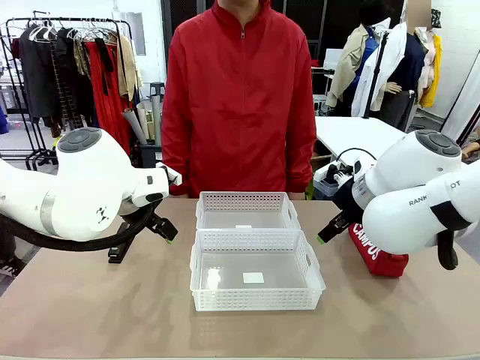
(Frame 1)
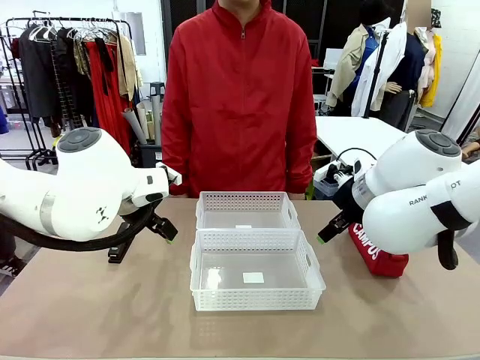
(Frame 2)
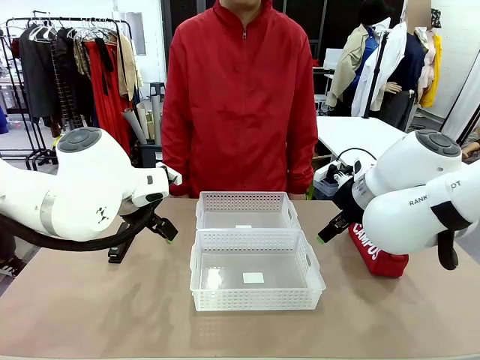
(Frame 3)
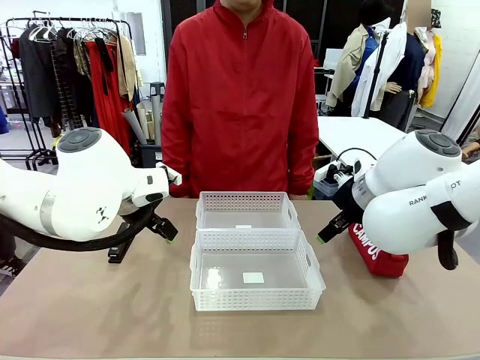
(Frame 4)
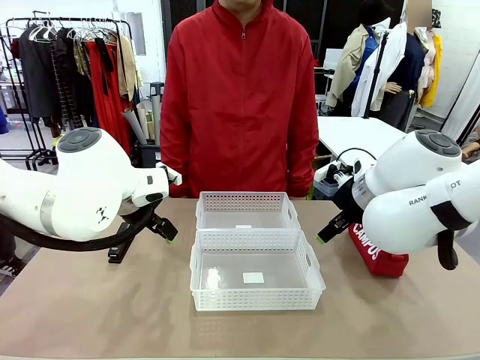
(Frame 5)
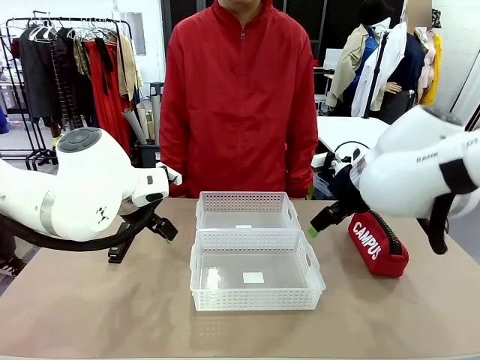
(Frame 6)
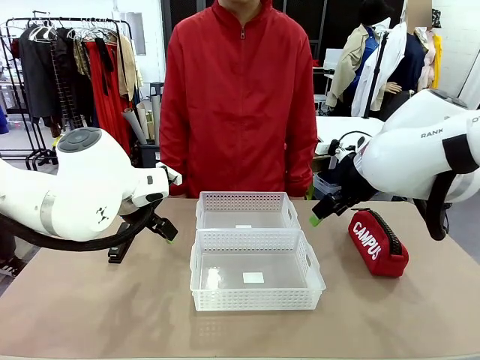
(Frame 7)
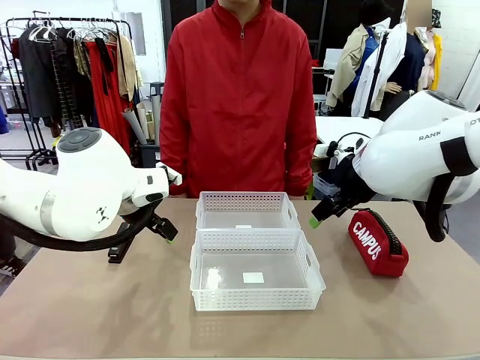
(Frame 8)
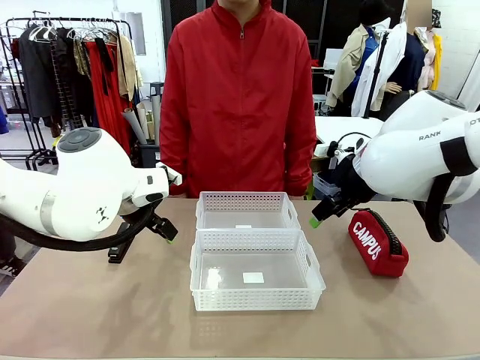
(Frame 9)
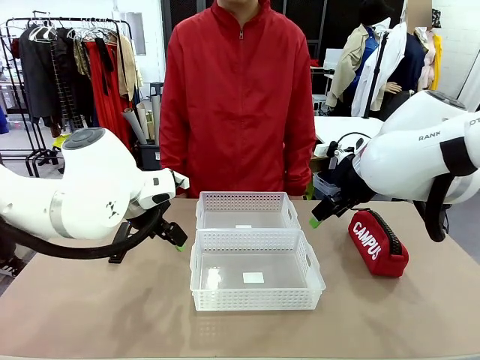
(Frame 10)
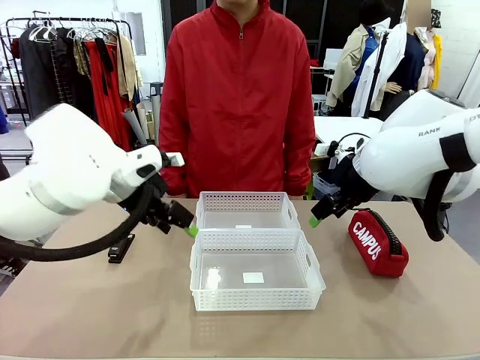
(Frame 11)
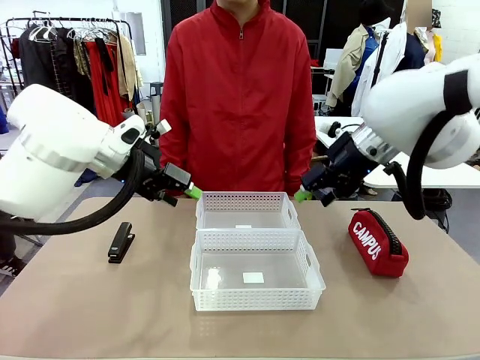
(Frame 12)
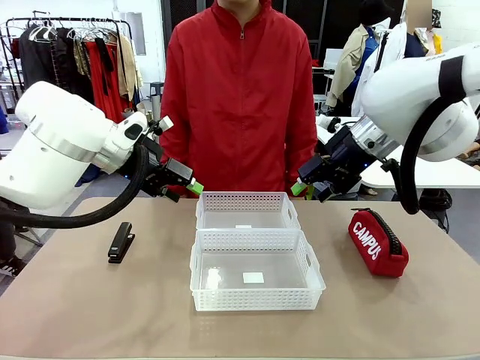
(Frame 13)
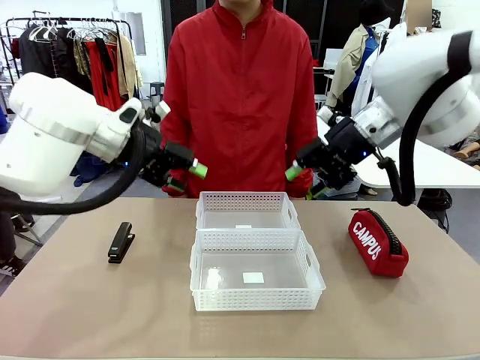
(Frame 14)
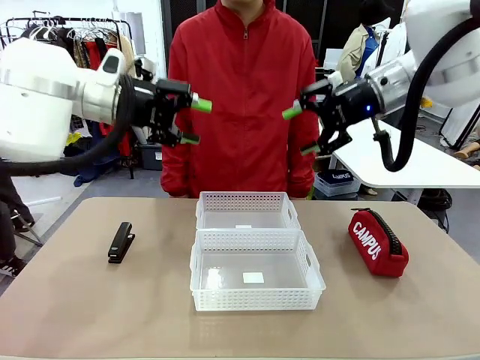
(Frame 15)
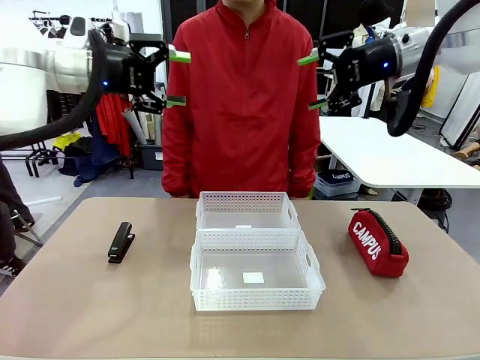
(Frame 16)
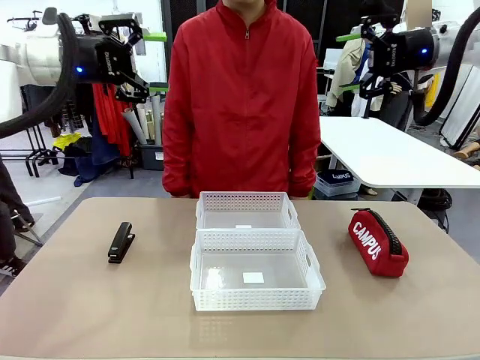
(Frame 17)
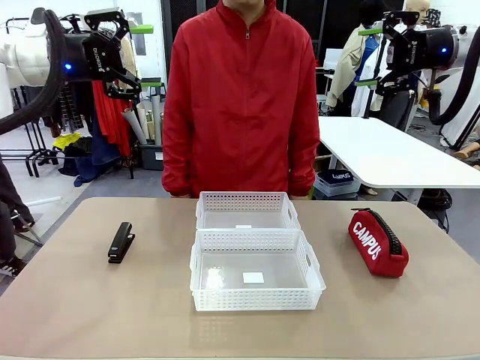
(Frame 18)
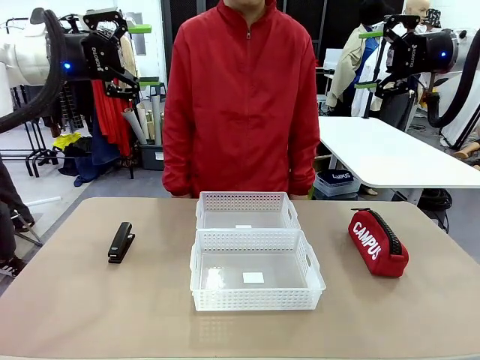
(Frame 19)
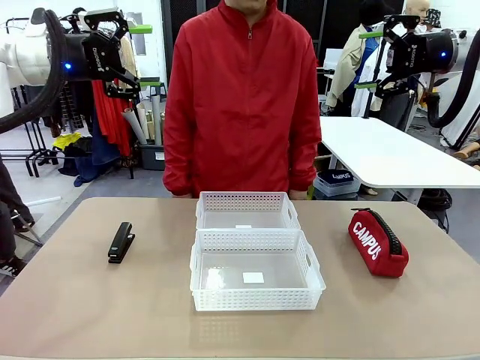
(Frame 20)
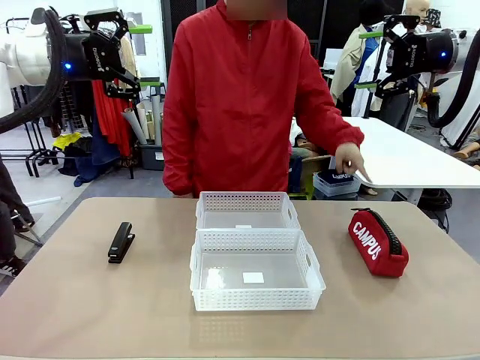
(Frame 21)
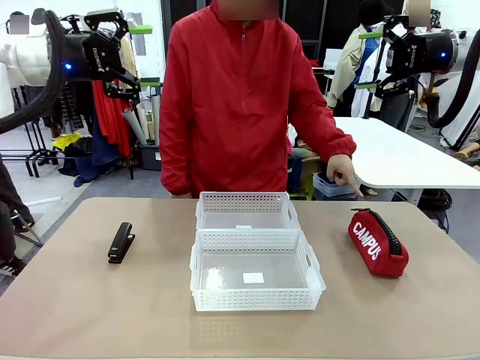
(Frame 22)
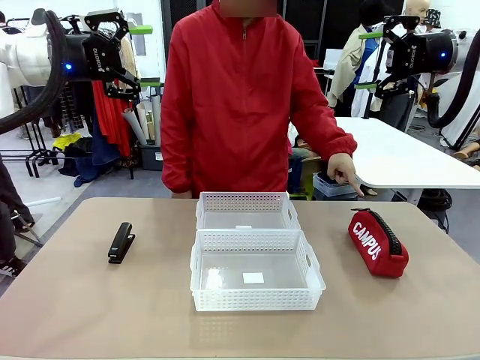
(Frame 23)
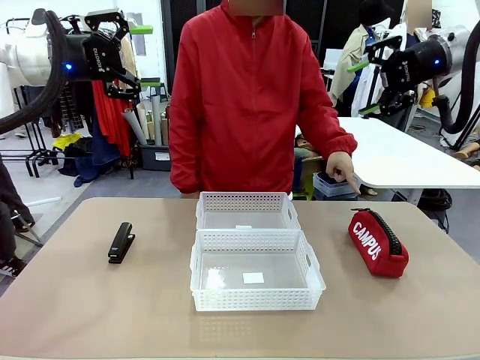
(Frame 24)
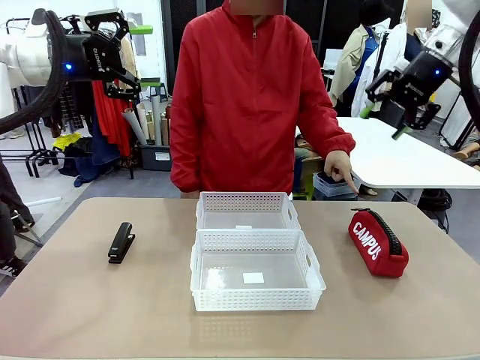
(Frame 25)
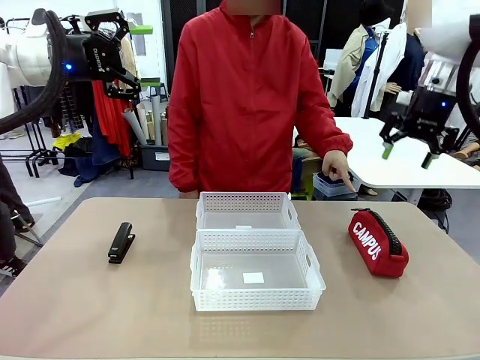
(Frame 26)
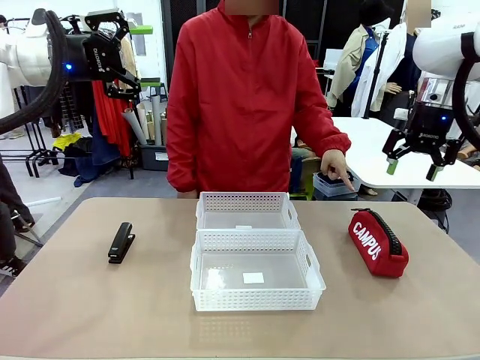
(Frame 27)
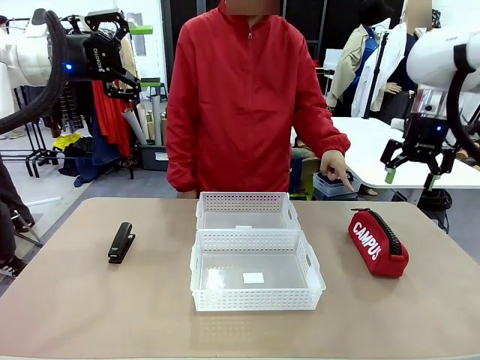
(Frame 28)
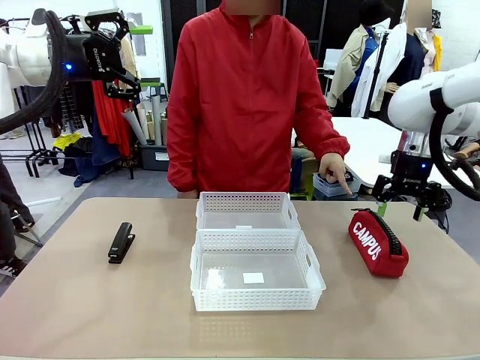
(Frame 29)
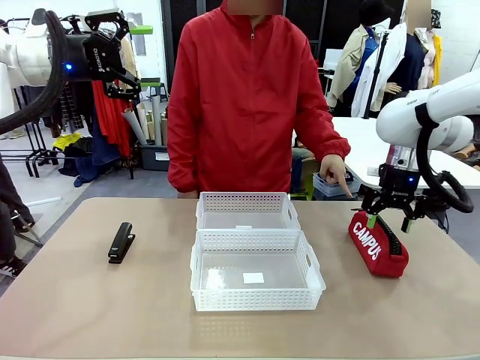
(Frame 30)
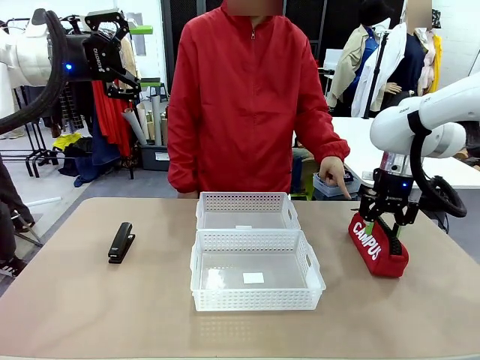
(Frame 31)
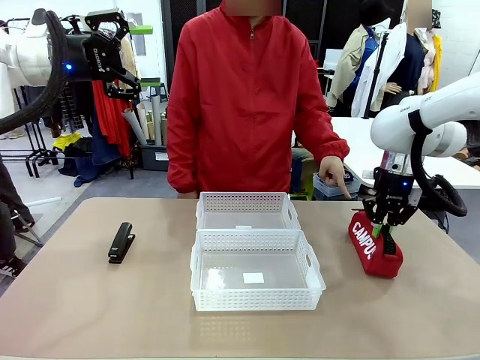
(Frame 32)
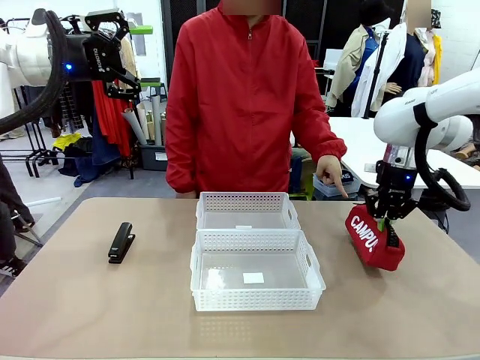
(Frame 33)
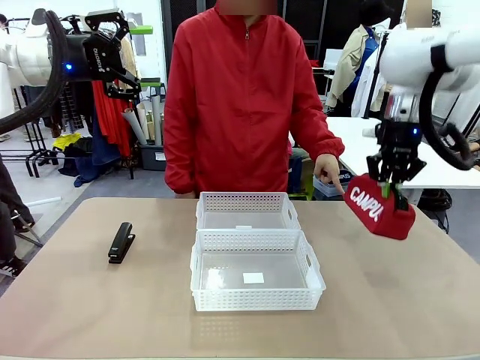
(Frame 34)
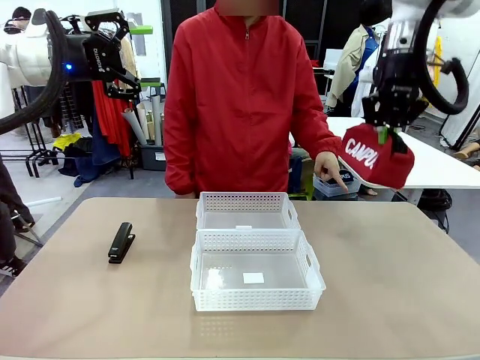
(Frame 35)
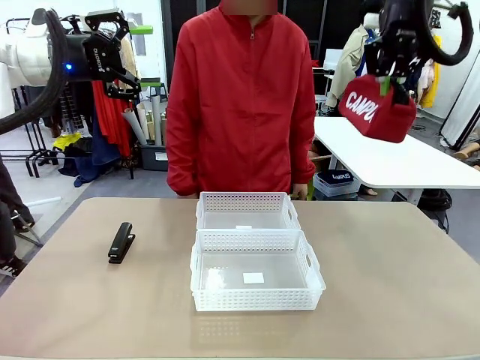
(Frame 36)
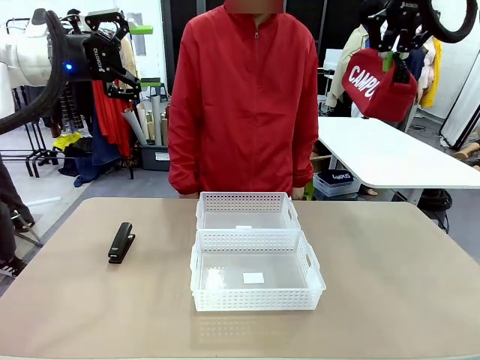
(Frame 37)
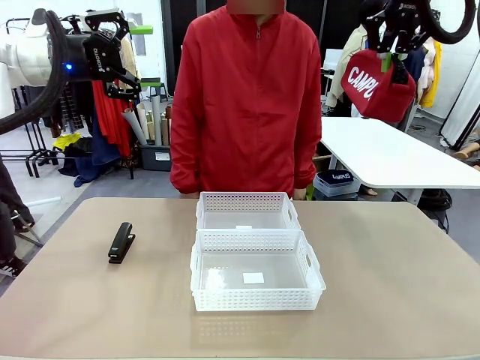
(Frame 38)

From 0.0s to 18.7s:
Task: Distribute items into two baskets.
Robot: Pick up the Pencil pouch that the person points to.
Person: Points to the pencil case. Points between the two organizing baskets and instructs the robot to move the pencil case.

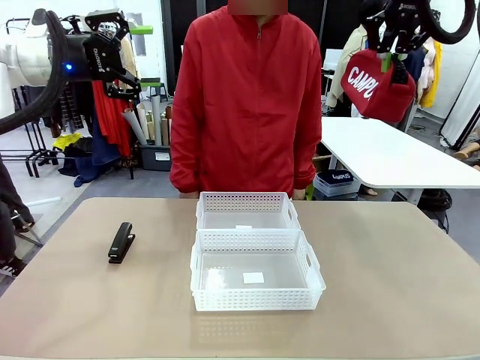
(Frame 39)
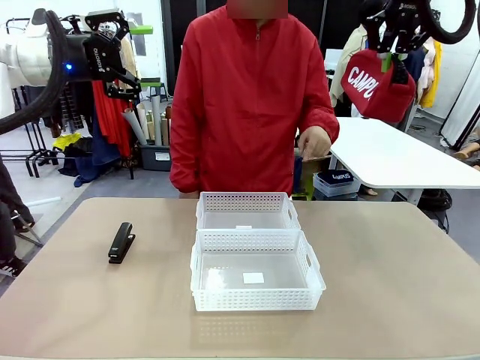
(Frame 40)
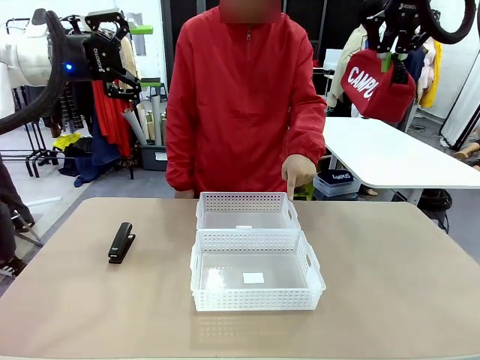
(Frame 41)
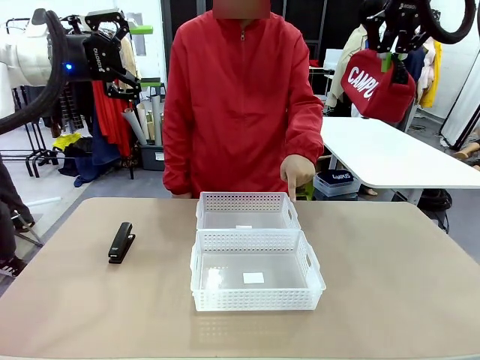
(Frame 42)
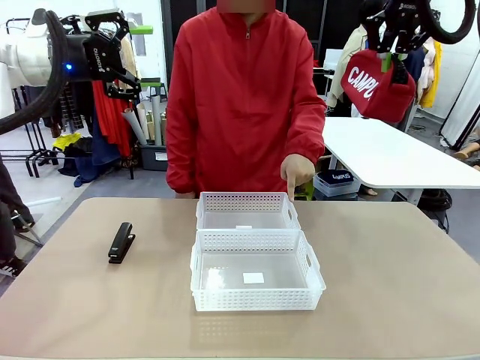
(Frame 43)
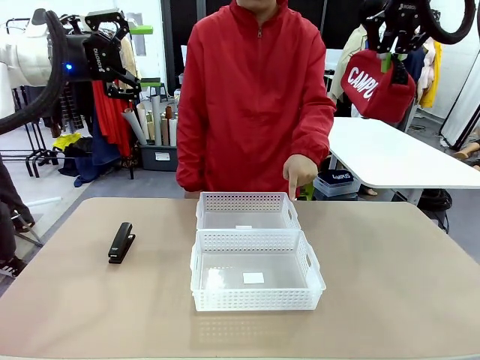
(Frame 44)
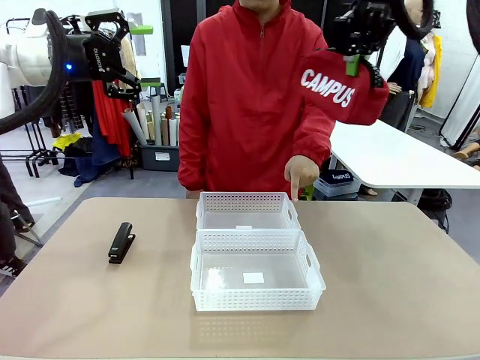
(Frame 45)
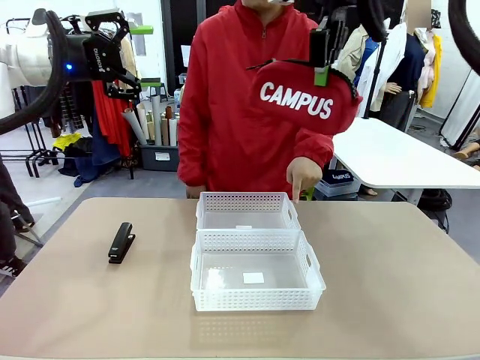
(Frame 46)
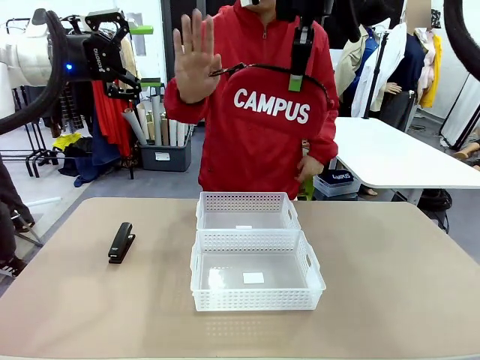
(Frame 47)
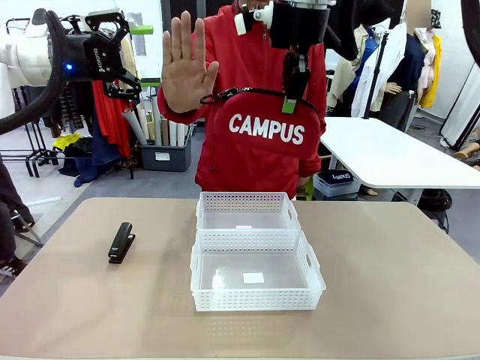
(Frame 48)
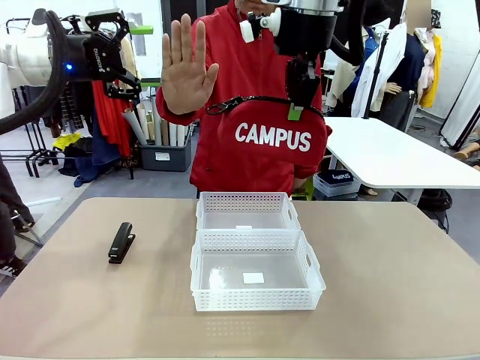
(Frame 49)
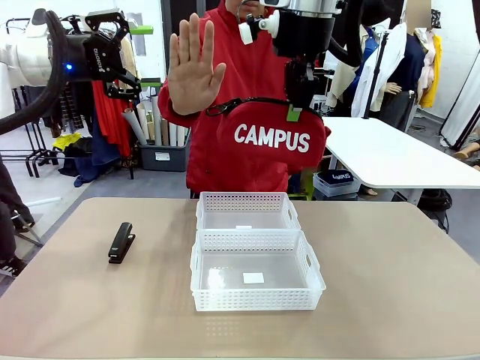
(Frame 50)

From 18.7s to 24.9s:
Robot: Move the picked Pencil pouch towards the Organizing basket indicated by the person, stopping as directed.
Person: Sends a stop gesture before the robot places the pencil case into the basket.
